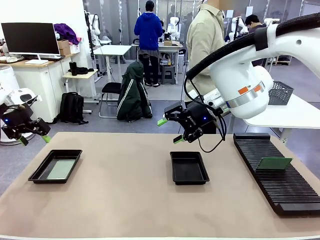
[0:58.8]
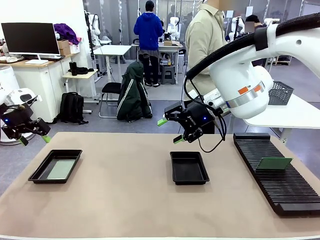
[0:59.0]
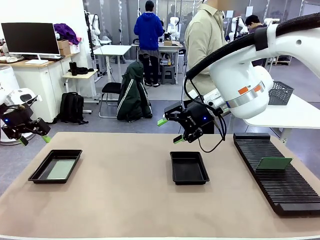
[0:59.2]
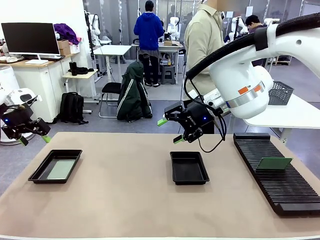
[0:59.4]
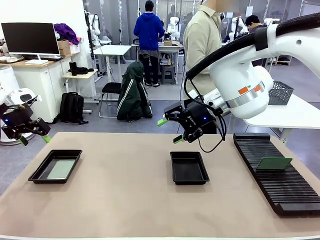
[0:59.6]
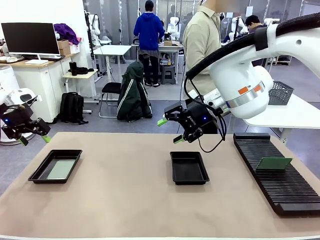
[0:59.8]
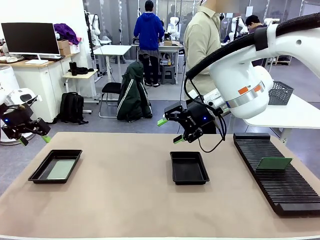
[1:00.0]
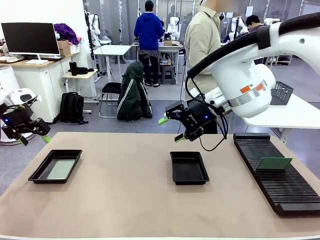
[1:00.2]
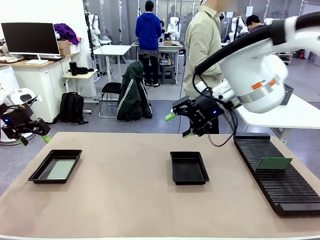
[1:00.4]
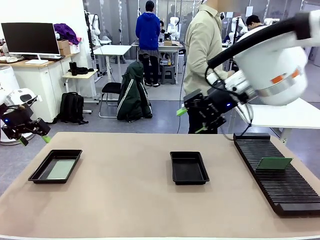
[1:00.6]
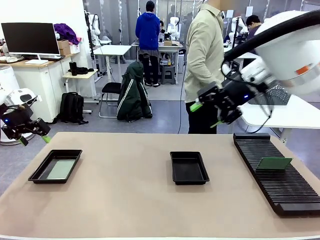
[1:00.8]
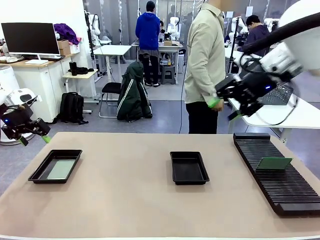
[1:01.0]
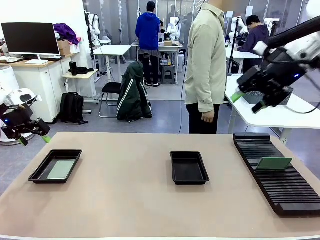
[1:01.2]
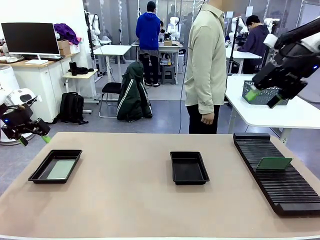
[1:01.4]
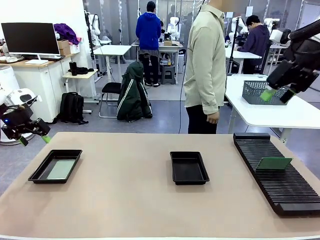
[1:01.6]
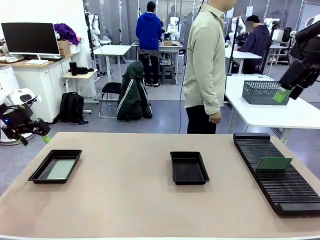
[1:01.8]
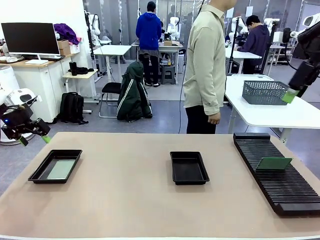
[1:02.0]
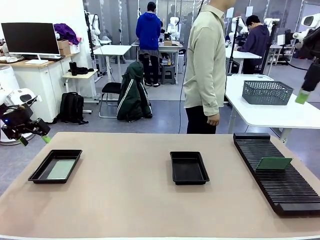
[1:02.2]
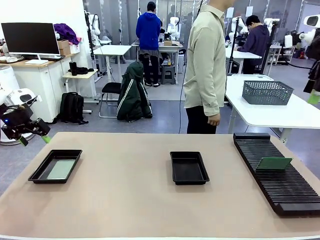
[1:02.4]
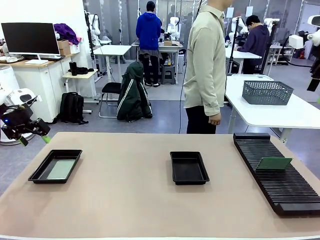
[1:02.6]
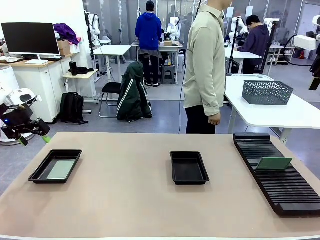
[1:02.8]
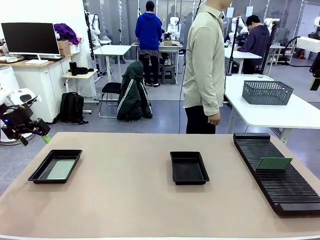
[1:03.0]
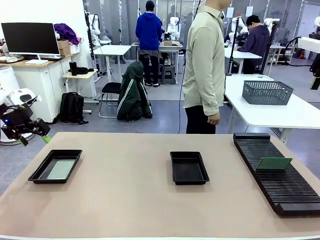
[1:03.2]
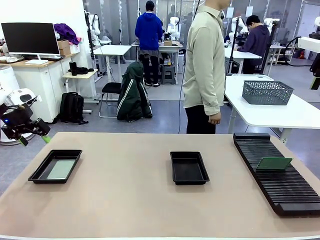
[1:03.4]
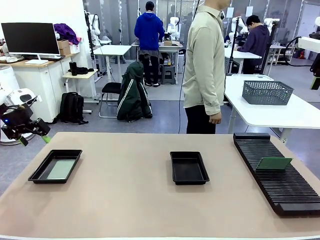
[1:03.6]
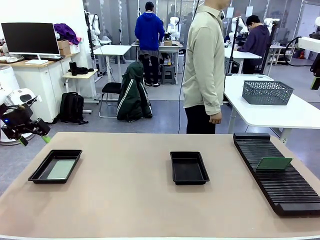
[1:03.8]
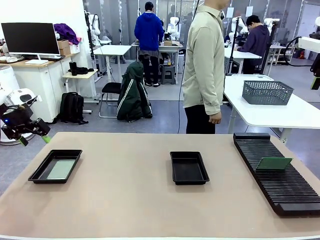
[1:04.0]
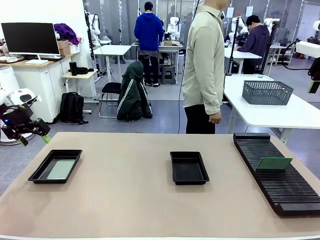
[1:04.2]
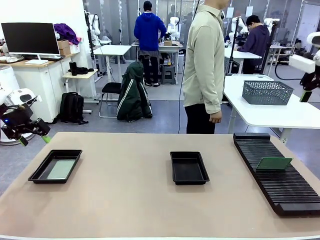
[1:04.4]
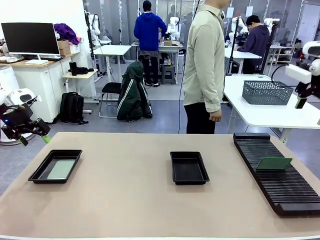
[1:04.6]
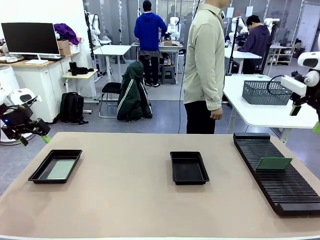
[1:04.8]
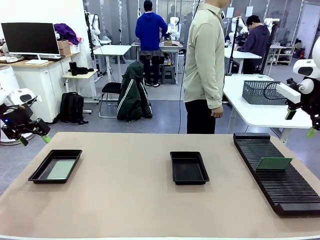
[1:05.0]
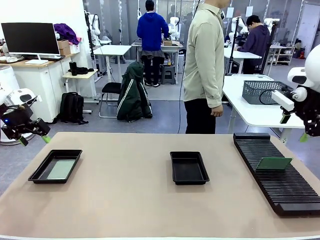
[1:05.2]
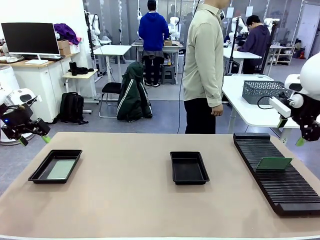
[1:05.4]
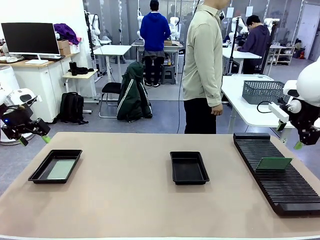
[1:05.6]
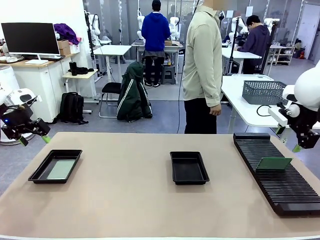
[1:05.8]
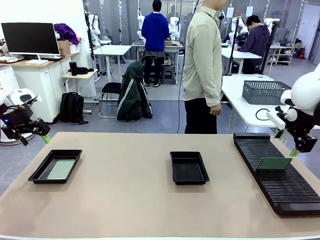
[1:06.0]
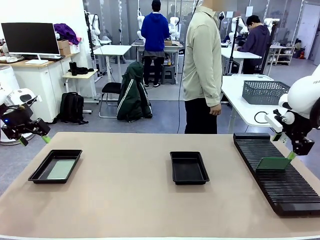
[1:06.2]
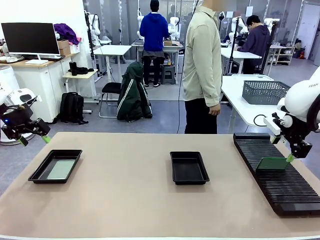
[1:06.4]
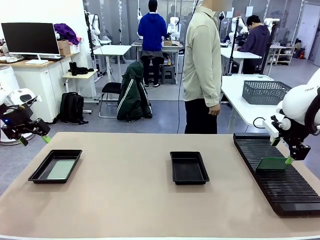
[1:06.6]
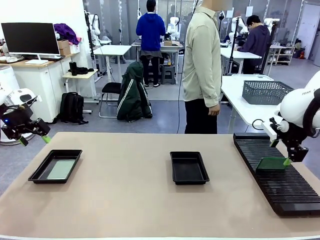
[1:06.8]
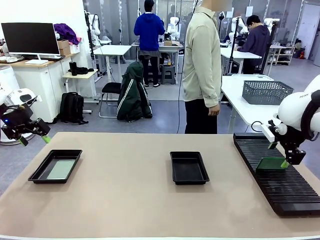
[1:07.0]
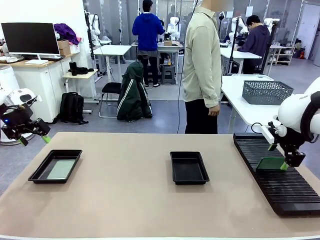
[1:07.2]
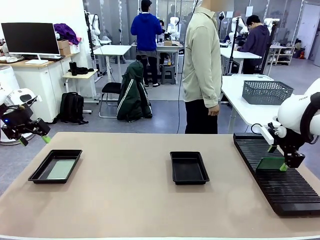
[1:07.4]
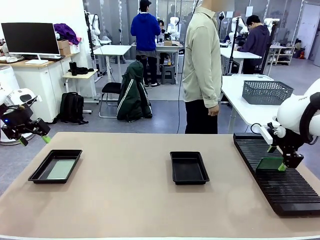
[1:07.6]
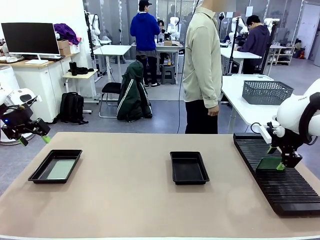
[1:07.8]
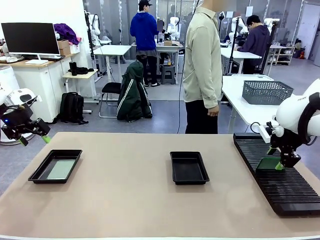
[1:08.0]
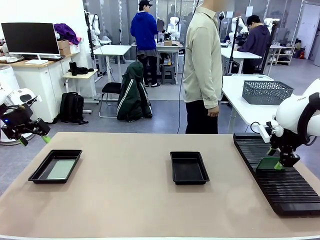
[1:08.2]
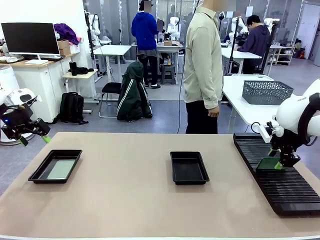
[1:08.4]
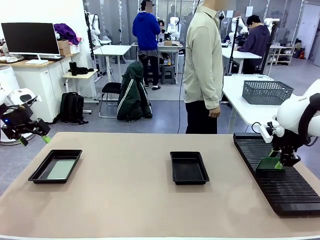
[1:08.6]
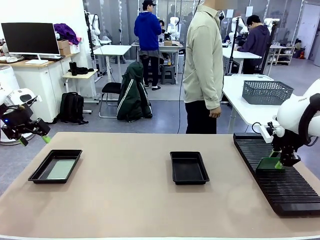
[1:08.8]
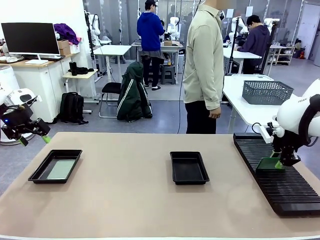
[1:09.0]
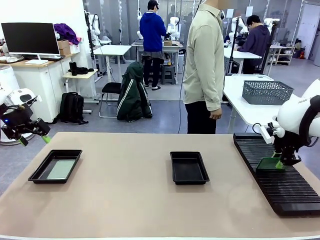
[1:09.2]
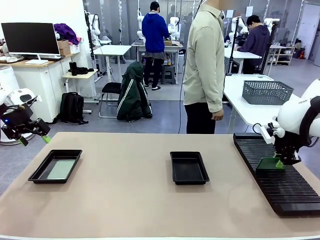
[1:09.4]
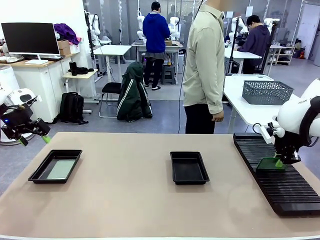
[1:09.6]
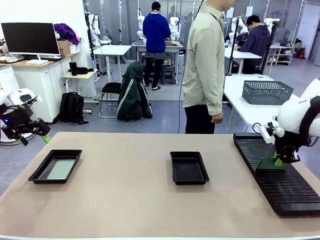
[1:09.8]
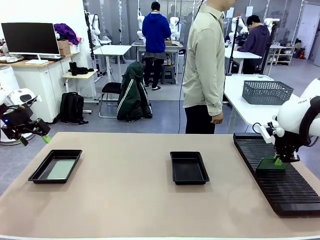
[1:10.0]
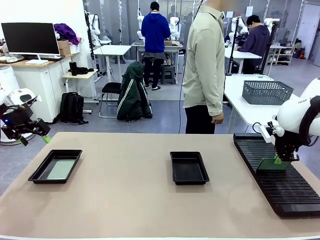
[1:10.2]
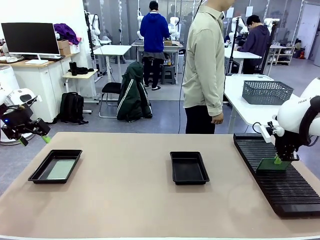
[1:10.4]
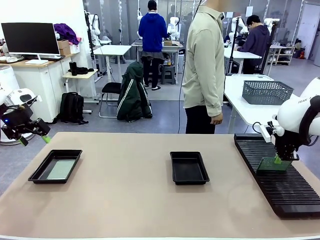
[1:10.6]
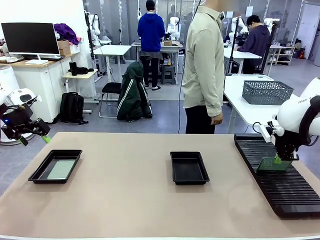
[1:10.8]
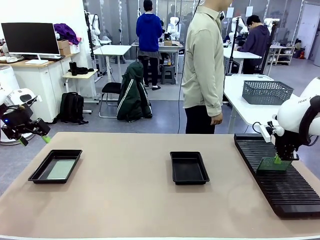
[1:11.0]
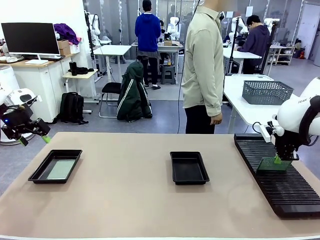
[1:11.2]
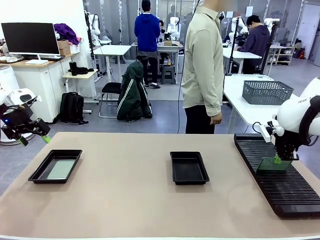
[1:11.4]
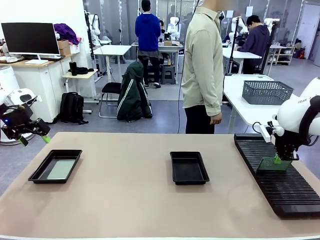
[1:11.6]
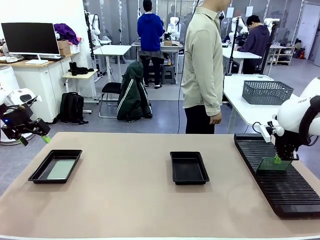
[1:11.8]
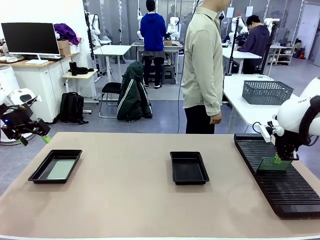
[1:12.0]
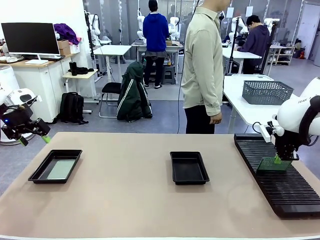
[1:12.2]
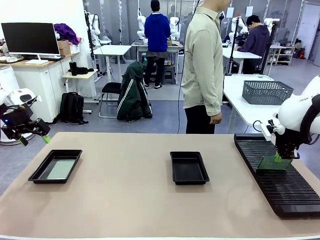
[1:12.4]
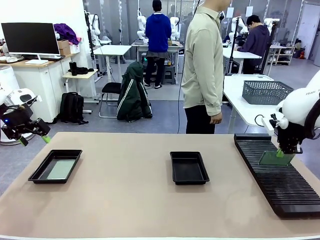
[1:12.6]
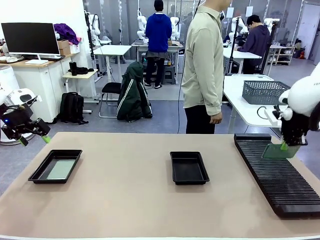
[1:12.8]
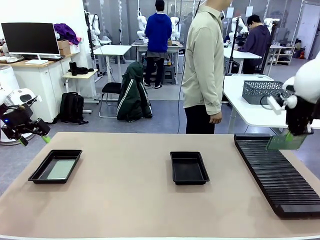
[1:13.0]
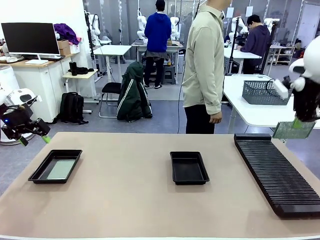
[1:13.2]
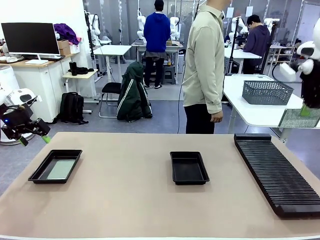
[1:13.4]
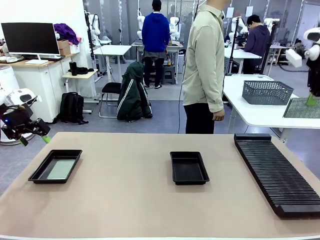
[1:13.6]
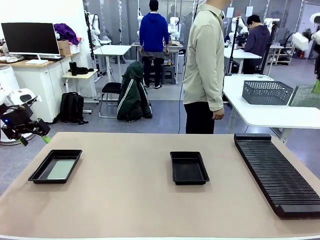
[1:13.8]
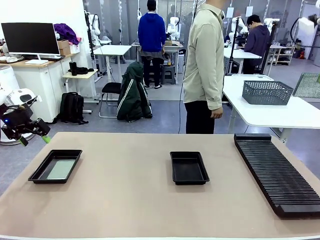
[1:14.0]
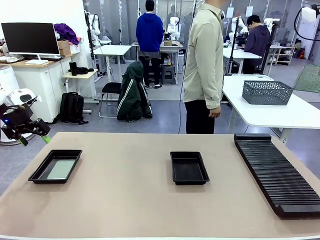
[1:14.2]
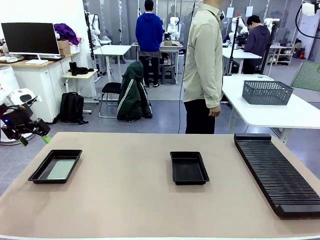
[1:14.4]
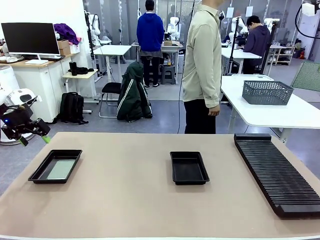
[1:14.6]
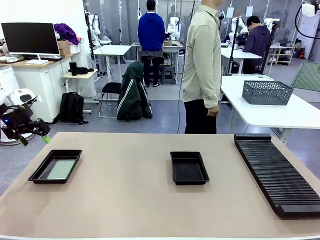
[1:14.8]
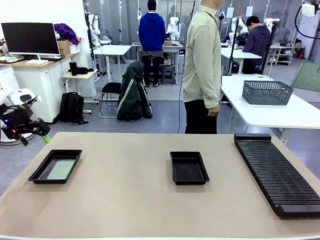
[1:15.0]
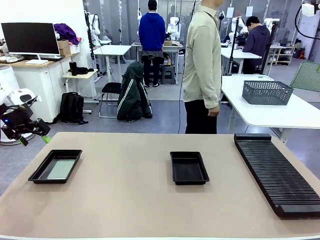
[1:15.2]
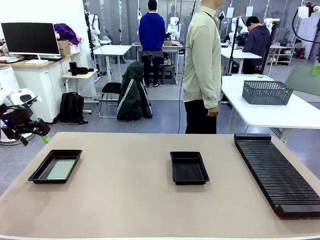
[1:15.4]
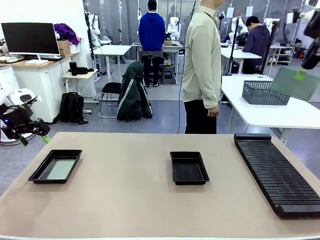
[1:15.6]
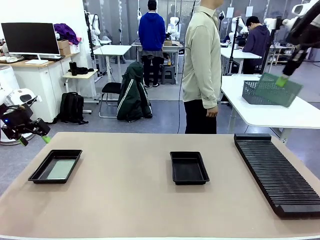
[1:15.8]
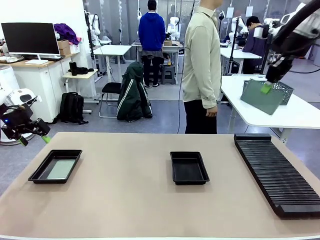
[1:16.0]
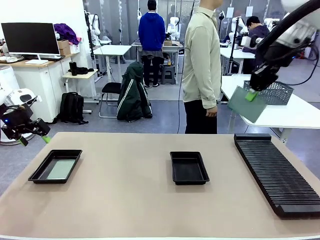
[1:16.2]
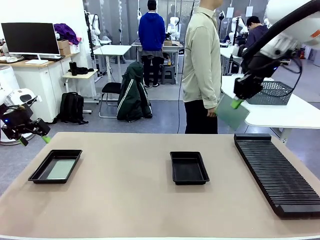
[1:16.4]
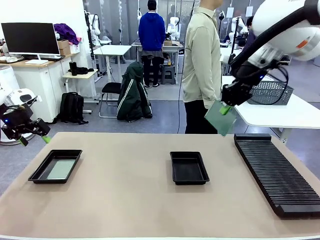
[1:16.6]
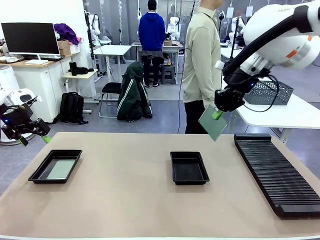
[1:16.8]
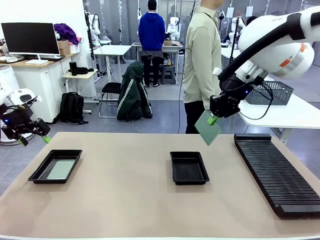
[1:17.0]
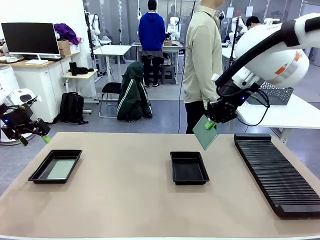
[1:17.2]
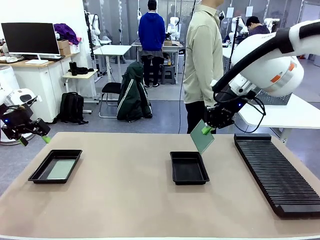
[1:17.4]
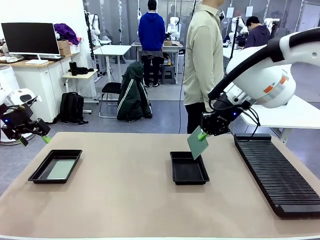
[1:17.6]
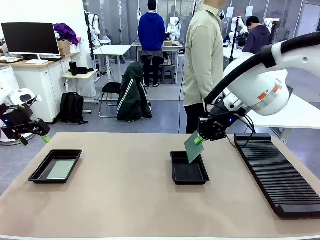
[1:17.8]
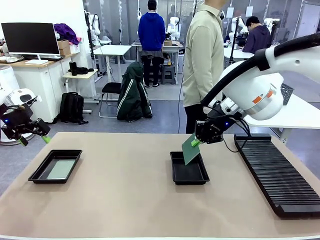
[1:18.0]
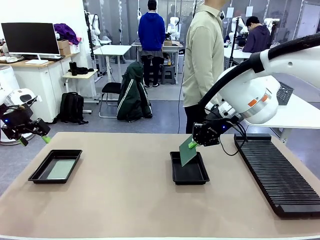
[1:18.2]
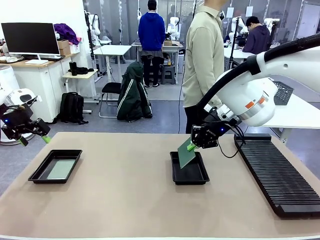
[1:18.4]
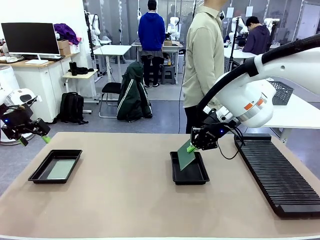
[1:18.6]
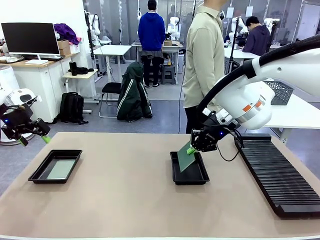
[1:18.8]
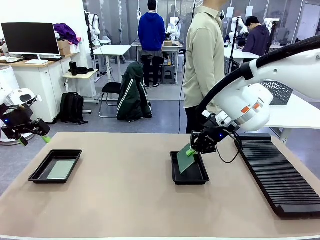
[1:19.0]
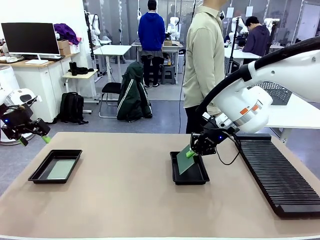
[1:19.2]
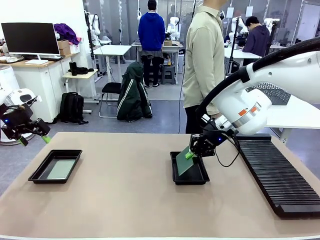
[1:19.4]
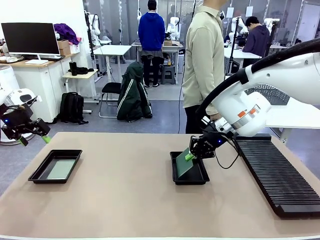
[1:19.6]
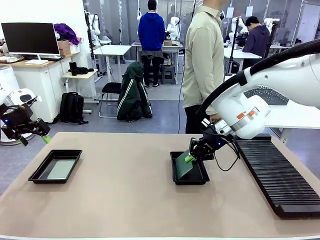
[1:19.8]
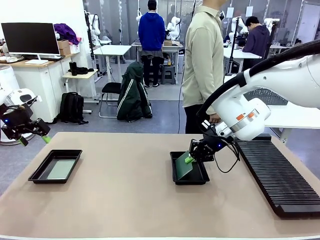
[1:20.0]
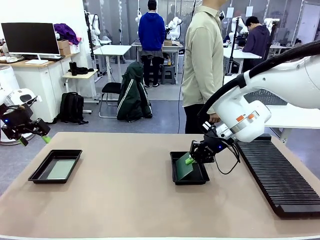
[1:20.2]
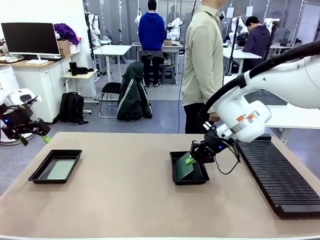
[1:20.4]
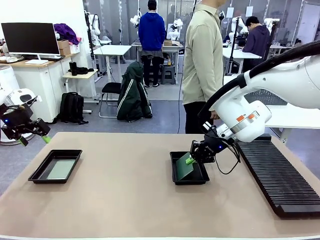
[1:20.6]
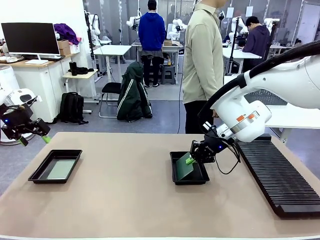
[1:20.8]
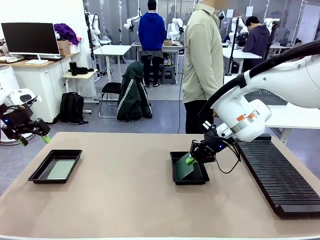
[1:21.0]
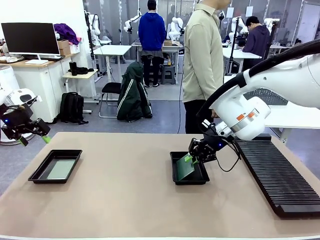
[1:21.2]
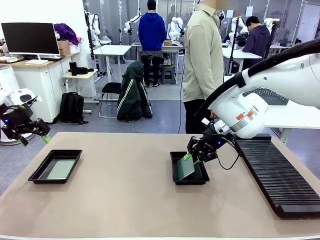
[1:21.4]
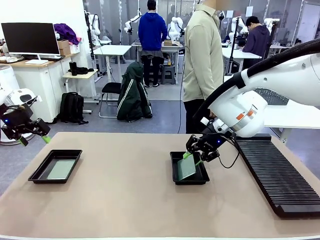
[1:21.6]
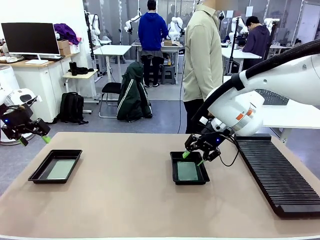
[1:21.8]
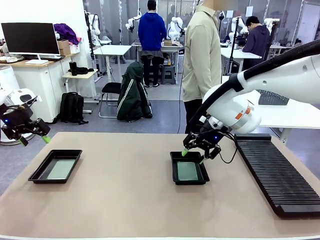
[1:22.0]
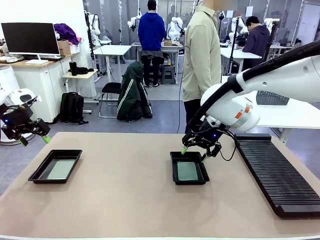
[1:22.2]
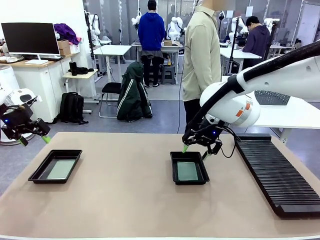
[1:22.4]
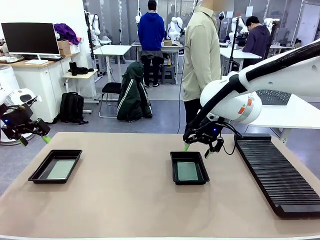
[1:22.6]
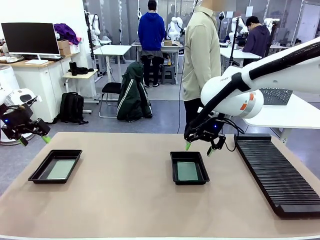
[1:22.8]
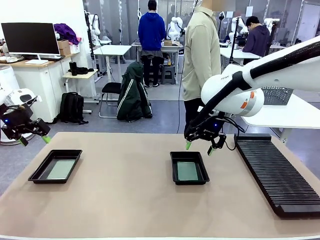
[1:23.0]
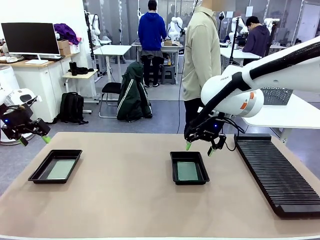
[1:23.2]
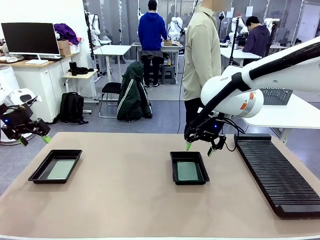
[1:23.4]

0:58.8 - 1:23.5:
Task: Inspect and transfer BCBs to ESD trays.
Robot: Pick up the Blank PCB from the PCB Rack and place it in the right ESD tray.
